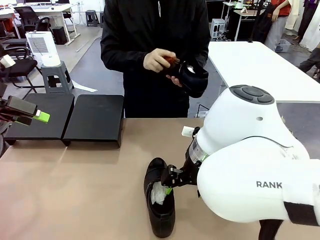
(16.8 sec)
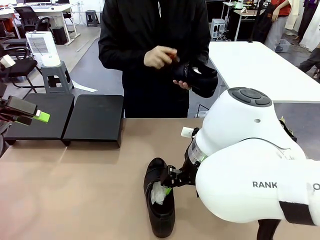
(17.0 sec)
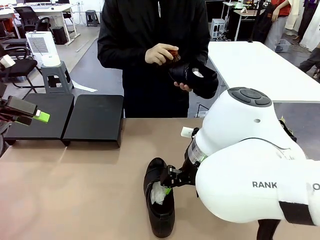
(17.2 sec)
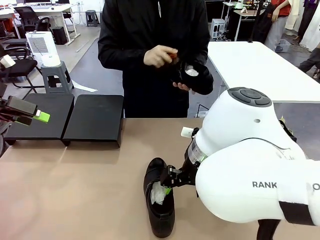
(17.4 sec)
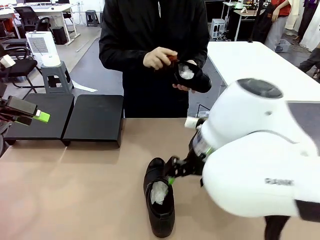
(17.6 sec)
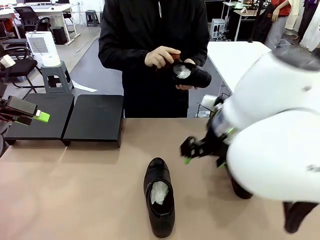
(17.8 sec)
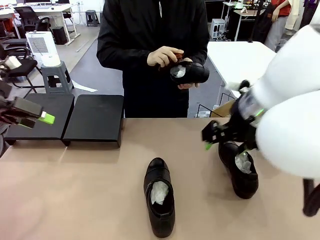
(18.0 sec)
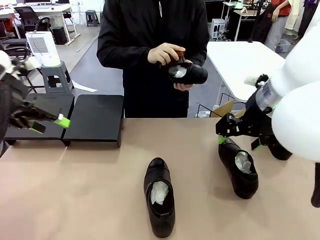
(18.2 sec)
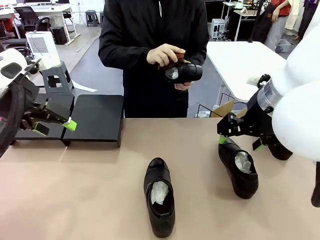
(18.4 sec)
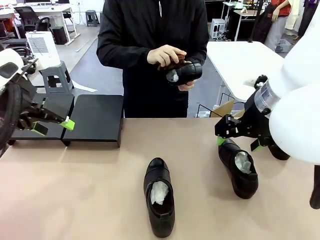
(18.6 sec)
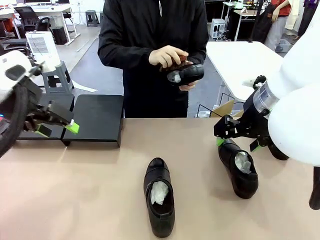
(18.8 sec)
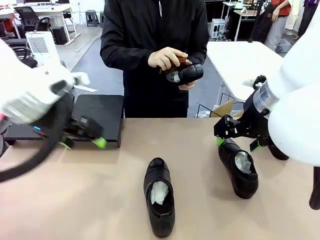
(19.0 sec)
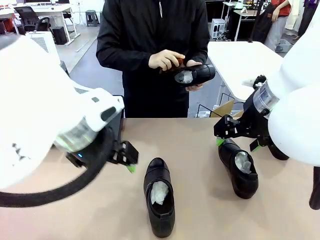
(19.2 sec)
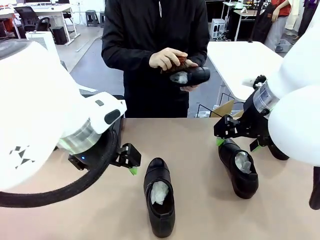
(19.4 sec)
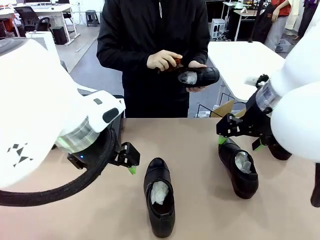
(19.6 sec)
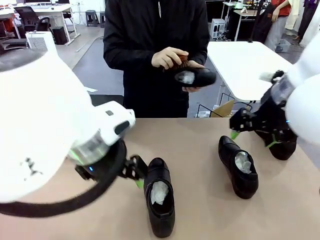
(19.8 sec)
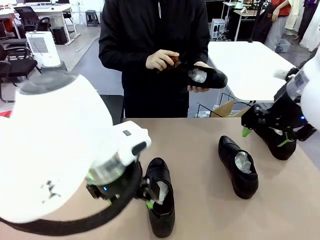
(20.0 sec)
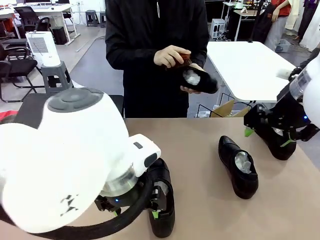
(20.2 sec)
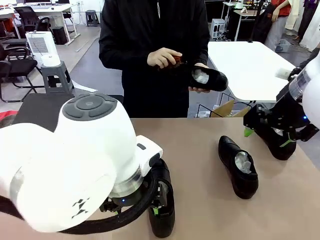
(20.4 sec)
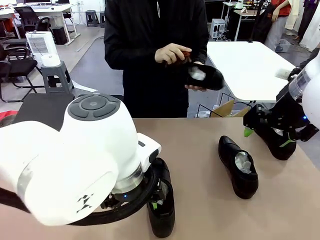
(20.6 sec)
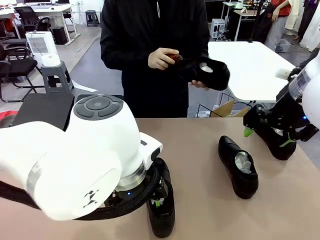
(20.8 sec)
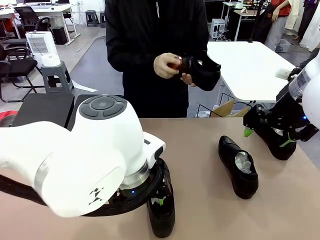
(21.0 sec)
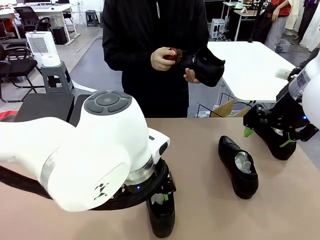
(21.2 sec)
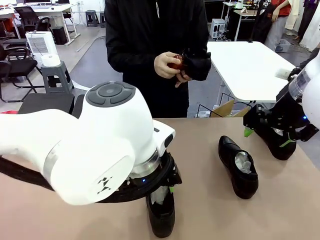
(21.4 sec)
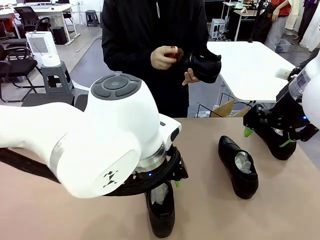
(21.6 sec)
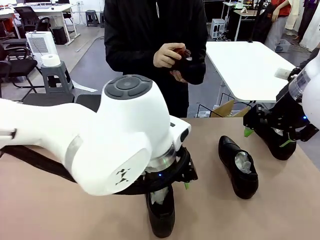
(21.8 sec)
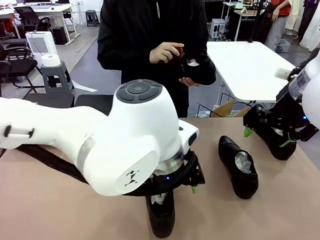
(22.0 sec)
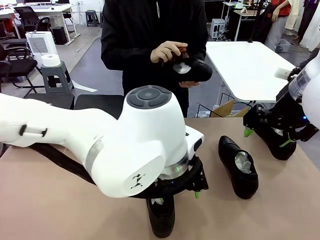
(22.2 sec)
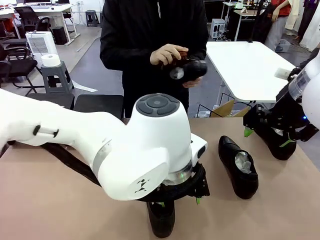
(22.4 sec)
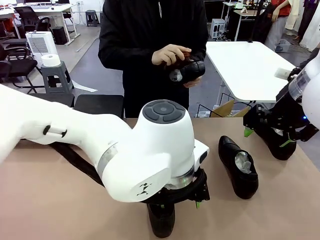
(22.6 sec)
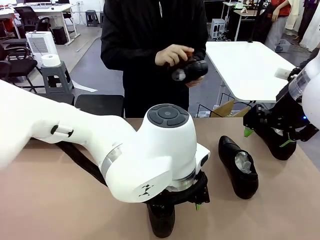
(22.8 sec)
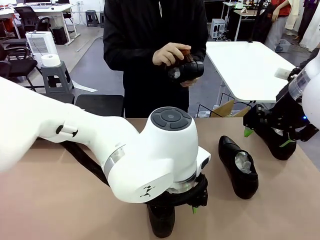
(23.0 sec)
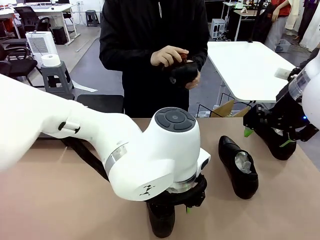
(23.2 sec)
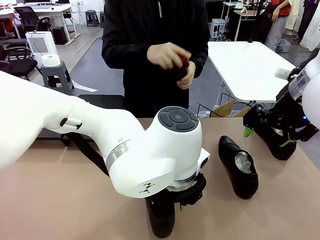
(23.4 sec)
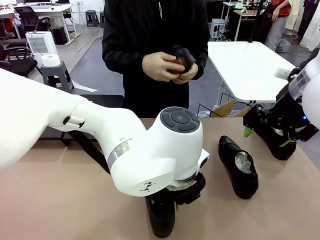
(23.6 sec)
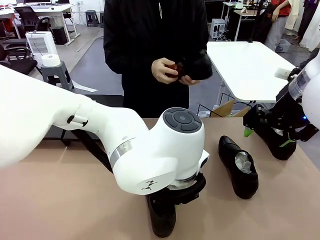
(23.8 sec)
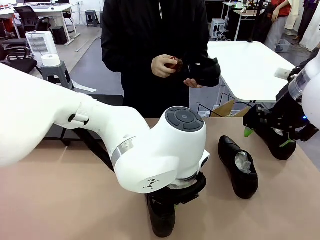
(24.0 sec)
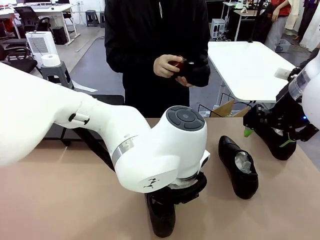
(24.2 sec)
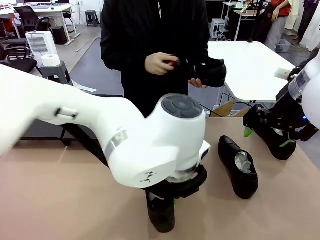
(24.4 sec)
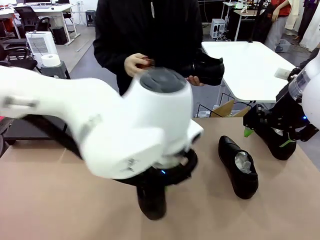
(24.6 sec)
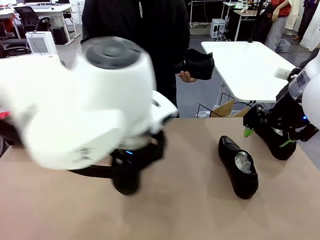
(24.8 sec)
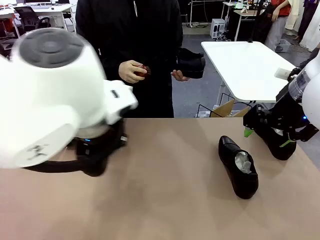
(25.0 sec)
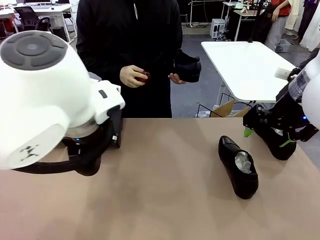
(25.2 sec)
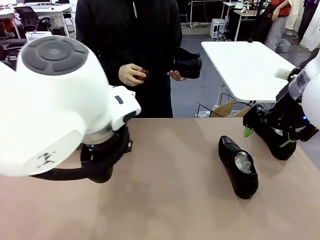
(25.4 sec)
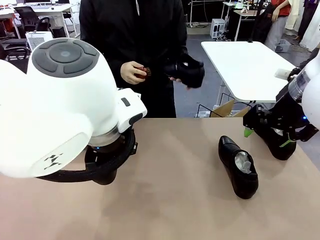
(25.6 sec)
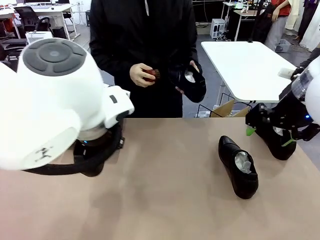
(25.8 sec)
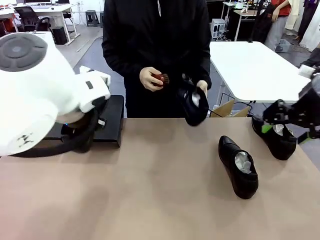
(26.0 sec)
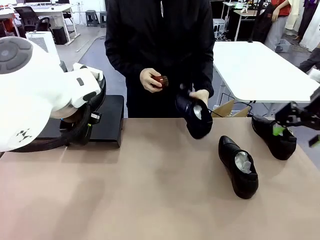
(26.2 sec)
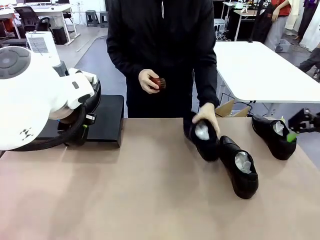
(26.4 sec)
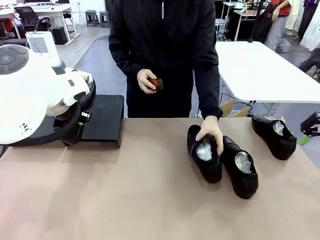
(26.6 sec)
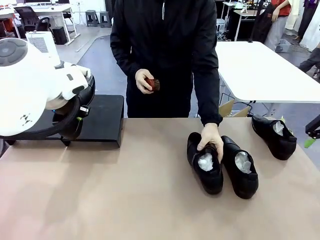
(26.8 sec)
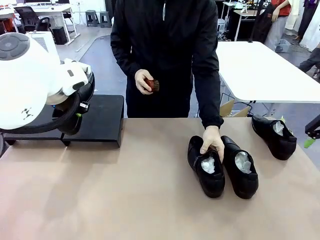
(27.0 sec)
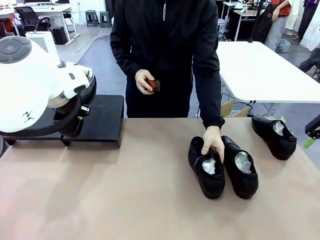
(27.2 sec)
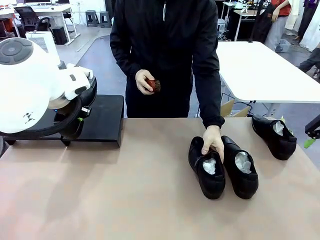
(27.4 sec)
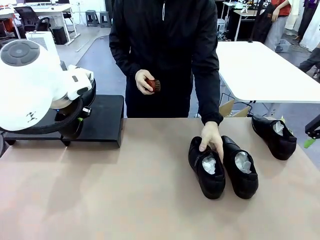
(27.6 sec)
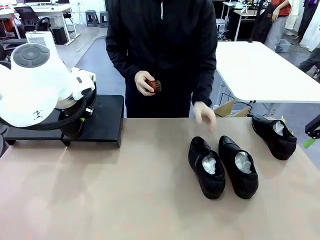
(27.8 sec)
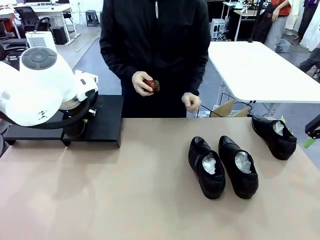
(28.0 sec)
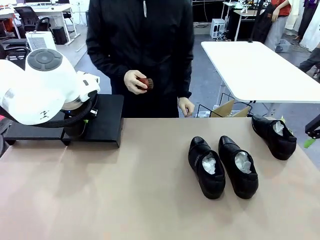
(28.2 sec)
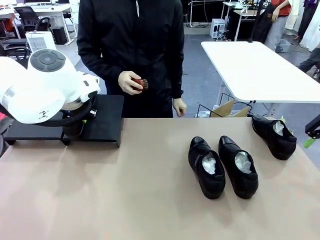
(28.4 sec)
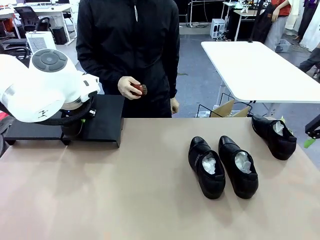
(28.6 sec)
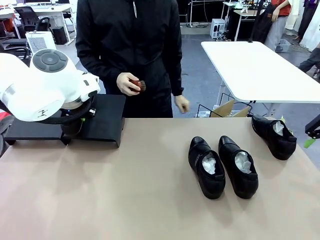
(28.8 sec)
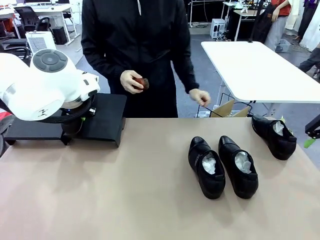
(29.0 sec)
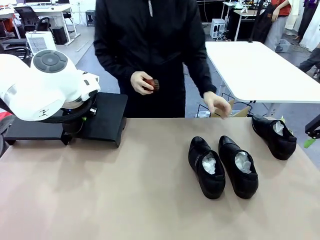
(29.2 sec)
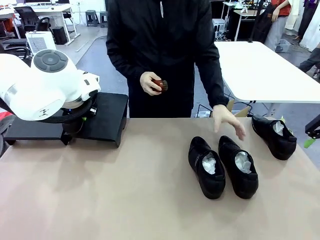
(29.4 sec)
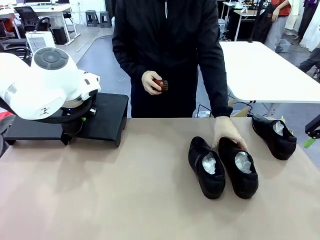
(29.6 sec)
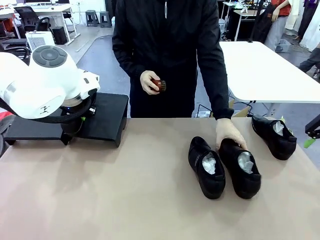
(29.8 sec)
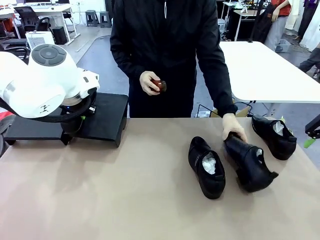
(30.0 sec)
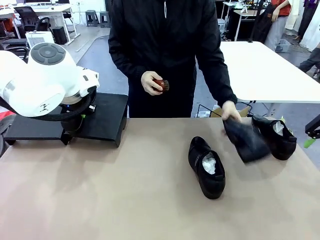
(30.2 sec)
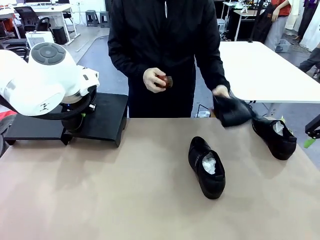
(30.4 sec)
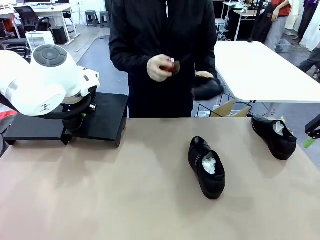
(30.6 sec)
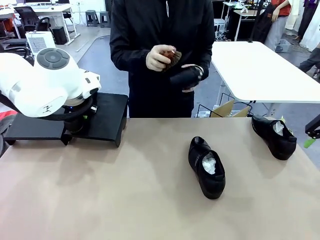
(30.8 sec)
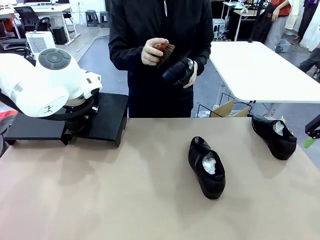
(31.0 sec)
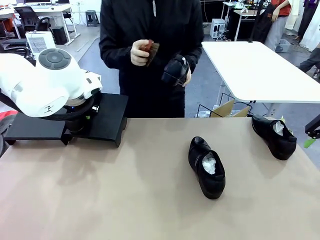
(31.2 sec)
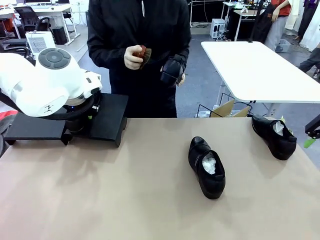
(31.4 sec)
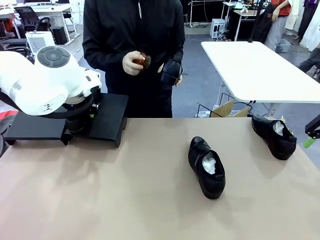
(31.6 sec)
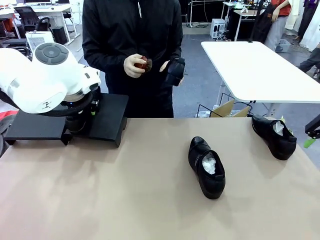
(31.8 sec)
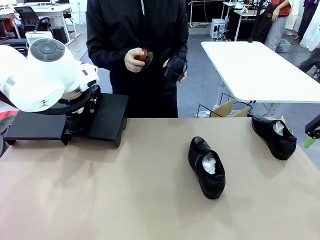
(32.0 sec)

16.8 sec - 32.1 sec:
Task: Organize the shoes by placing them on the stand.
Robot: Place the Shoe from the middle of the table onto the Shoes Stand.
Person: Place the Shoe on left side of the Robot's table. Pick one Shoe on Robot's table.
